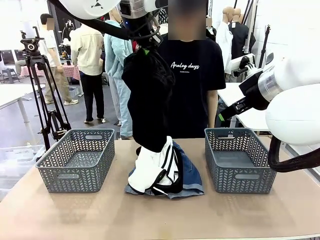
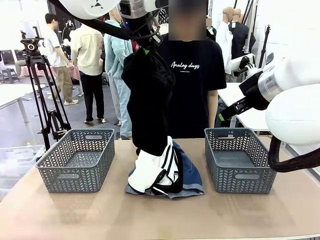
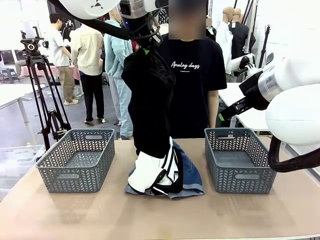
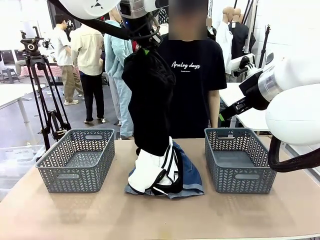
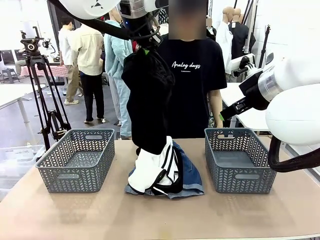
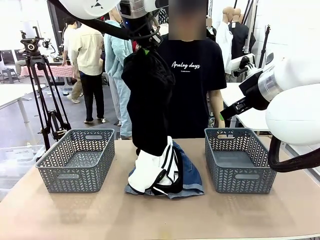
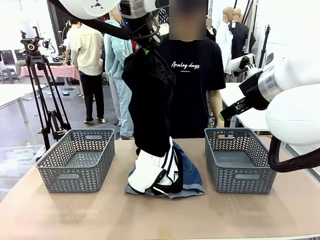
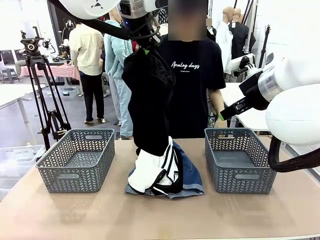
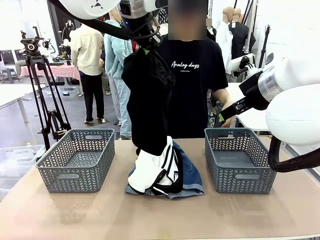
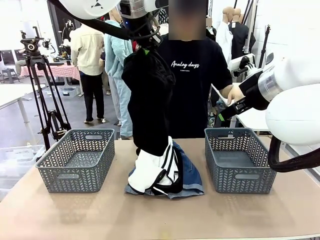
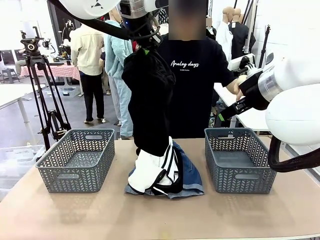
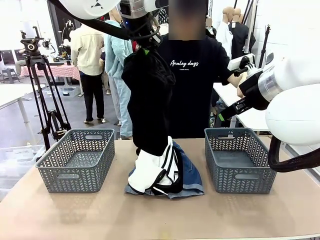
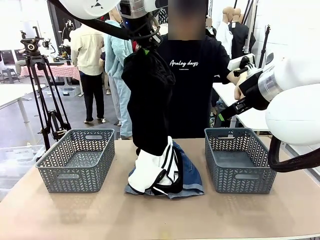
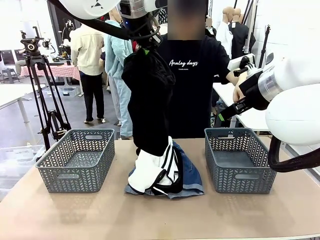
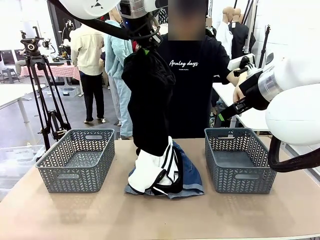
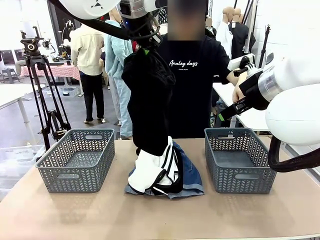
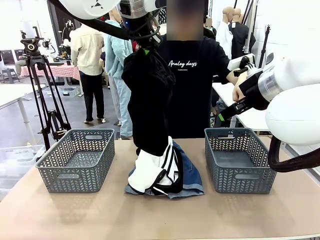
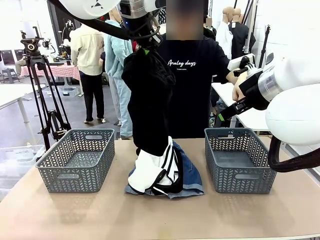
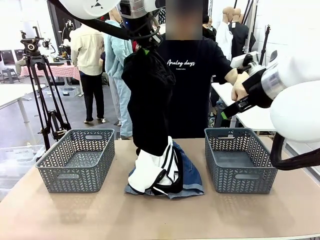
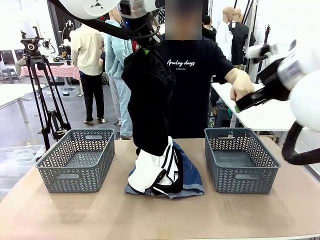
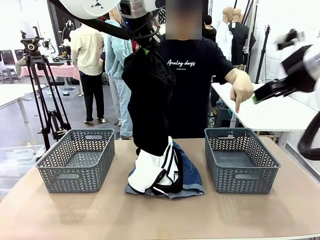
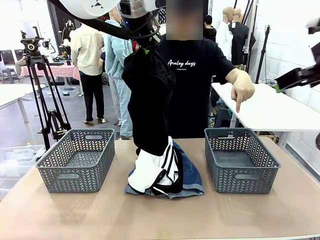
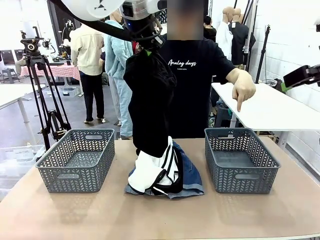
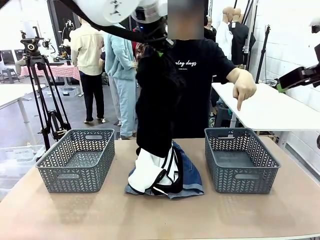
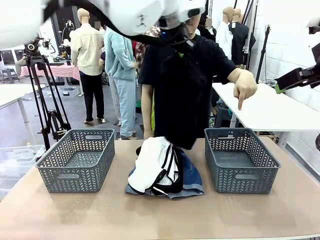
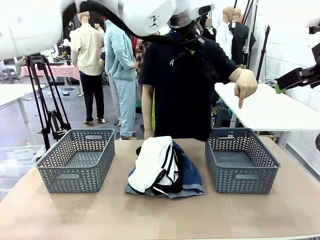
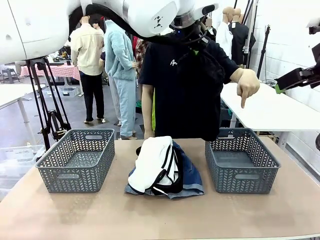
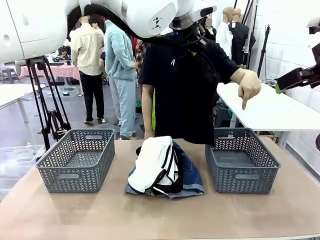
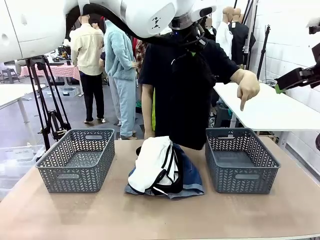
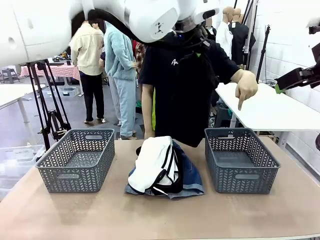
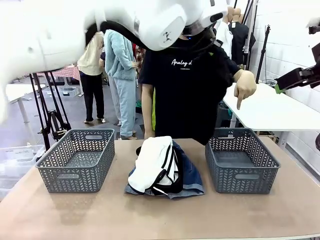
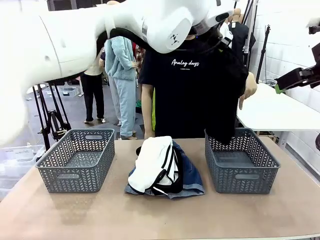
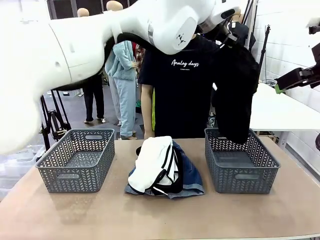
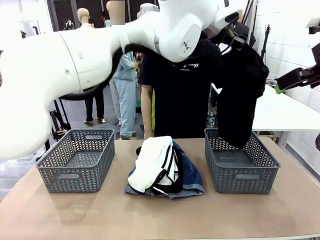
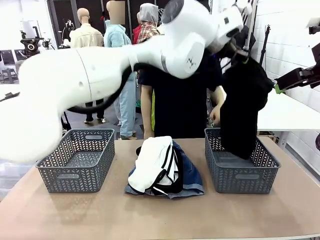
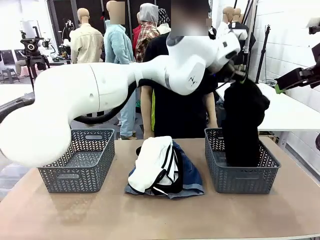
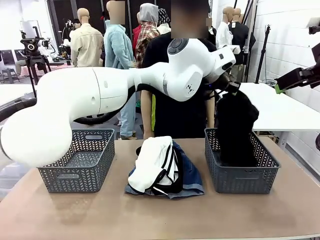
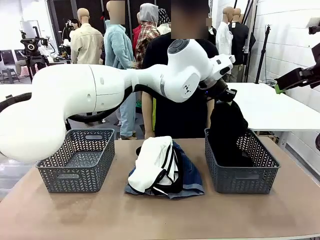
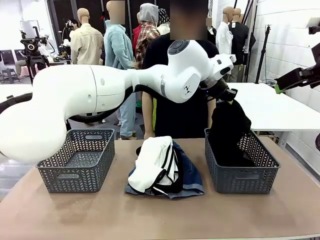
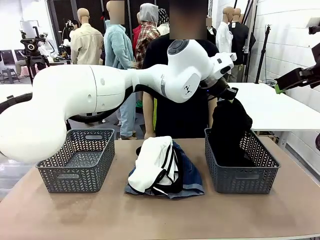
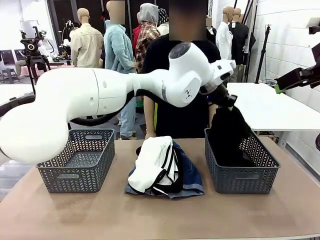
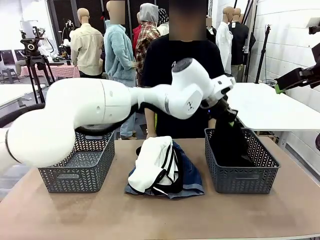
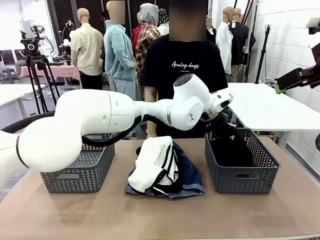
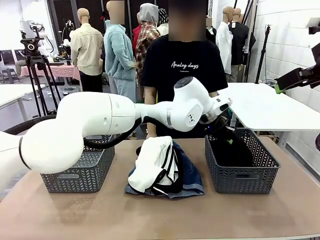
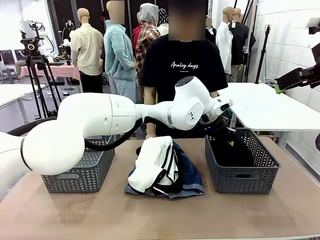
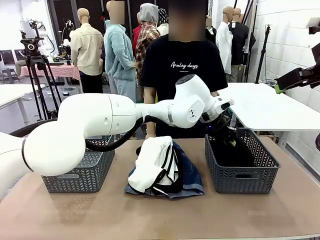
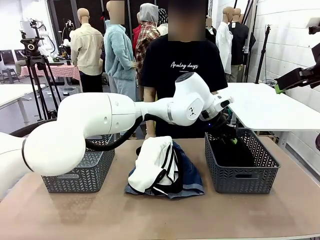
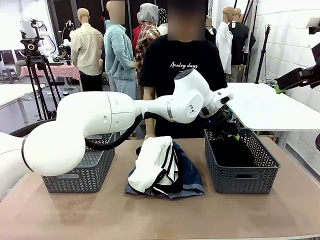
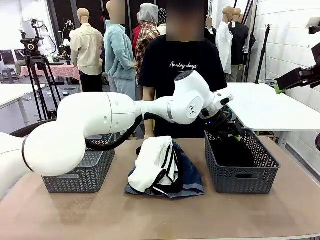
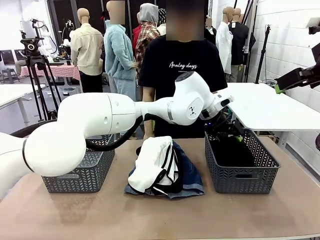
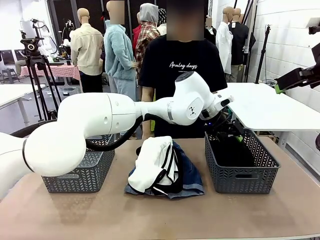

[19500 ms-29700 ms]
Task: Sort the tops and bottoms.
Robot: Sort the clothes according to human instructions.

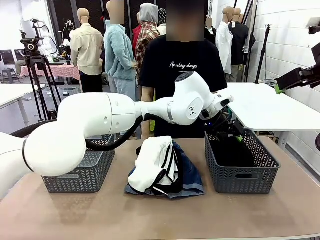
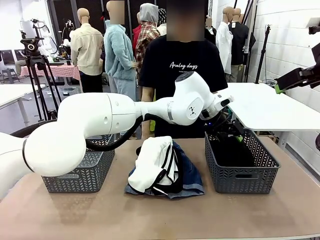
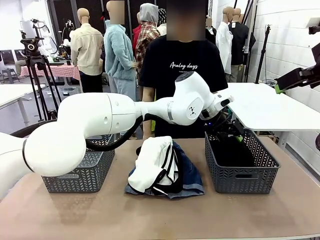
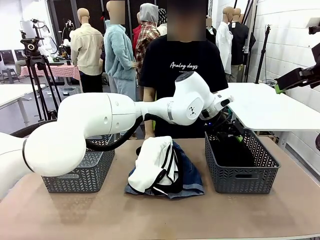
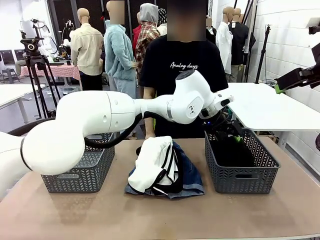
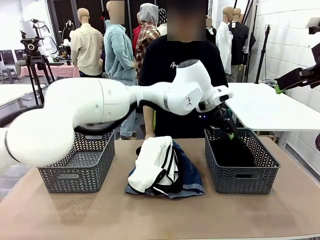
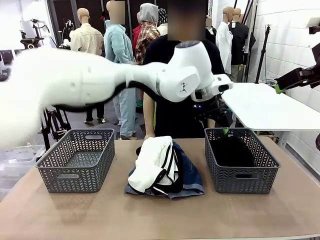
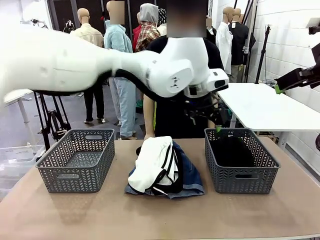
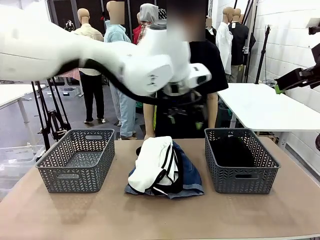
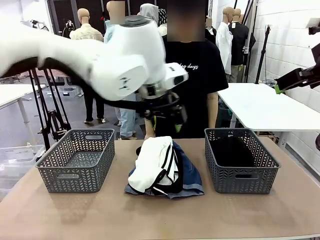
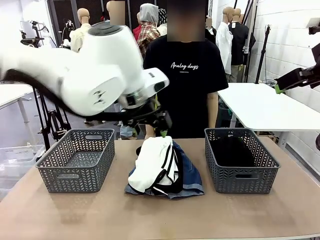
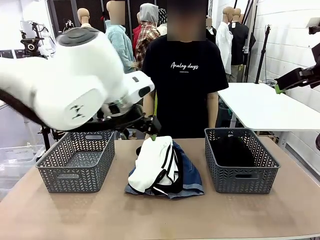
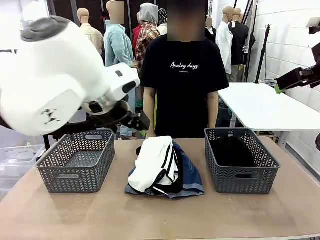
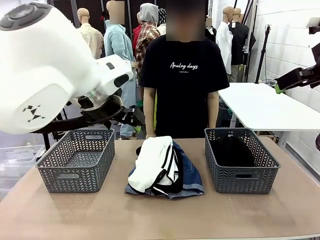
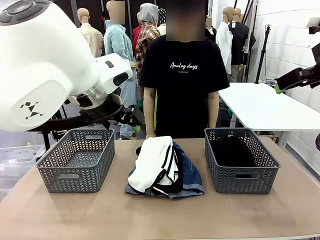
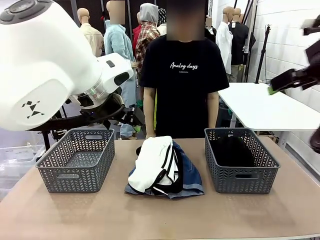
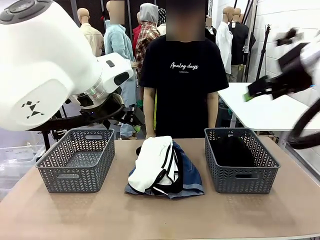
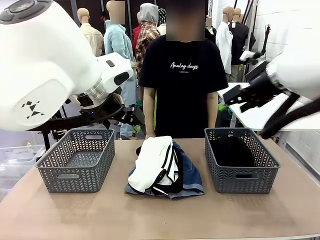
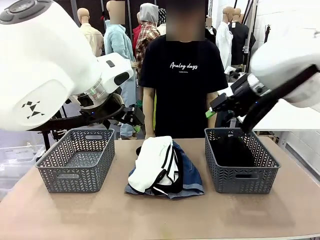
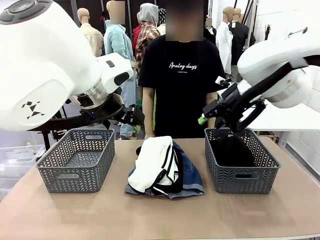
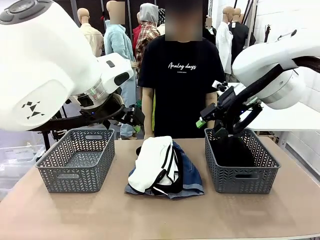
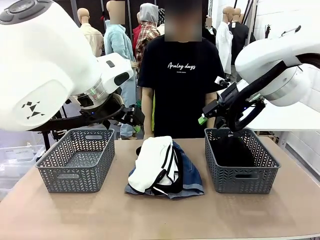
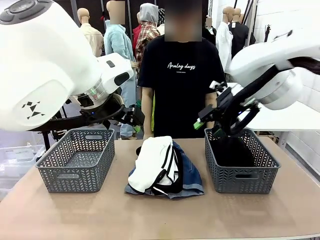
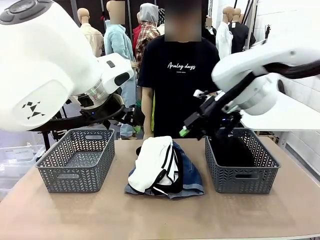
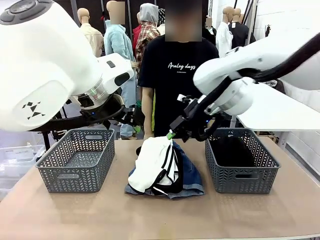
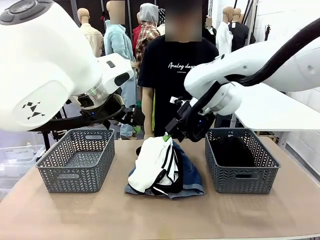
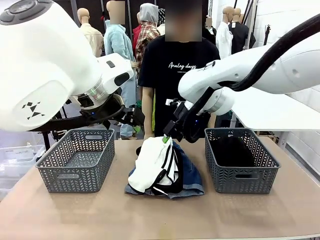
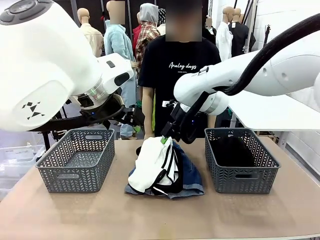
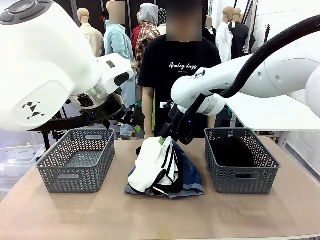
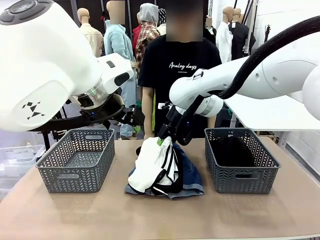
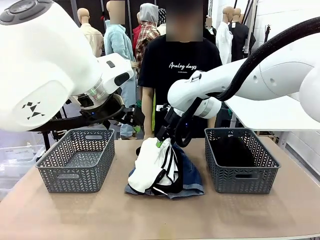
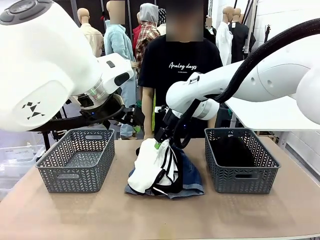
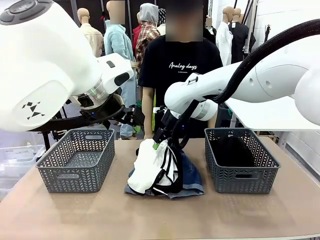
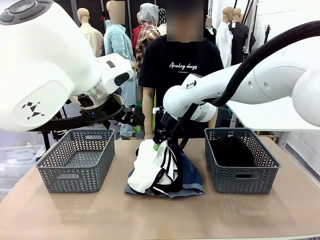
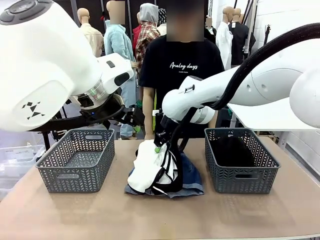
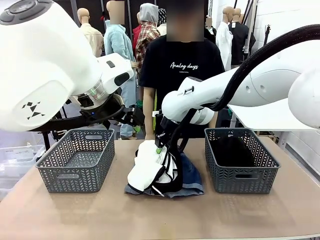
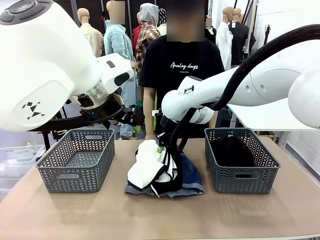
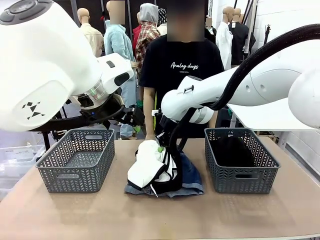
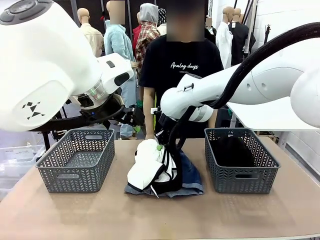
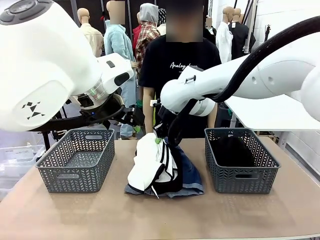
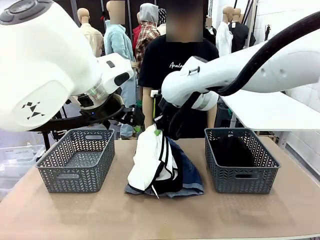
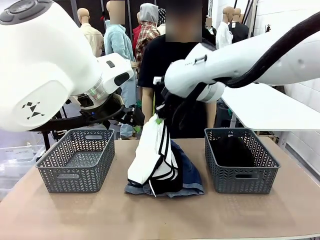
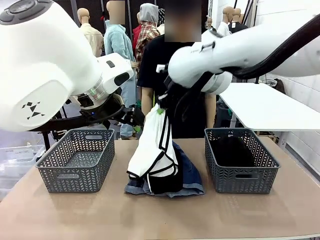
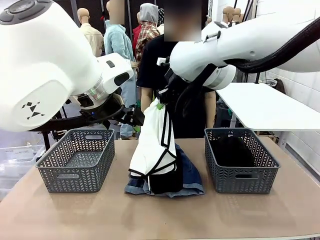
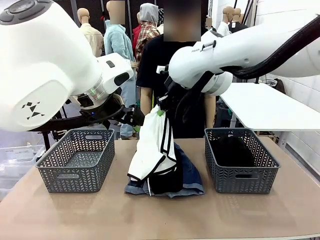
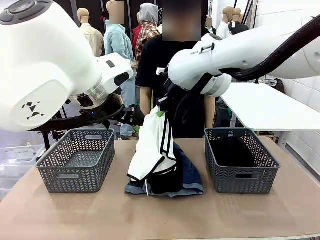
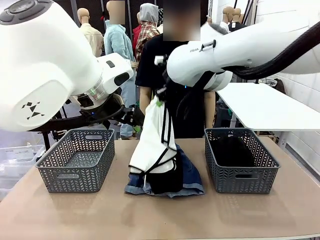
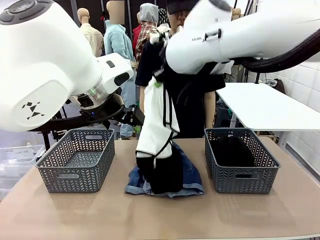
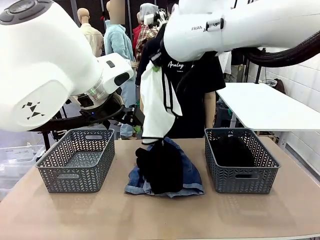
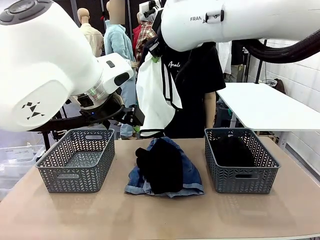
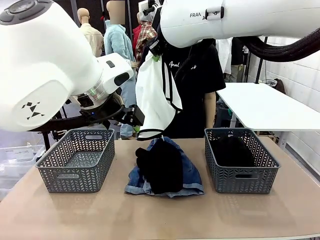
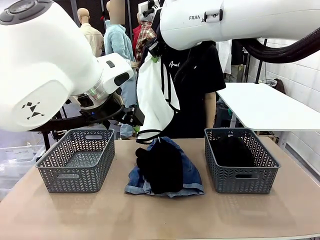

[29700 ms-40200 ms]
Robot: Lift clothes from the center of the table with your right hand.
